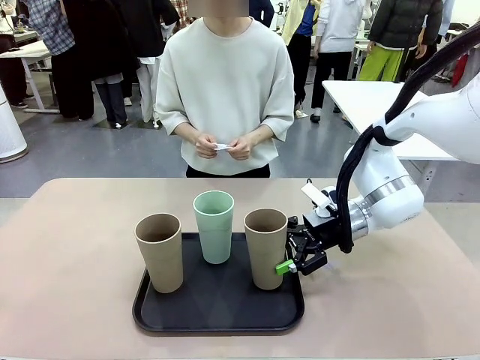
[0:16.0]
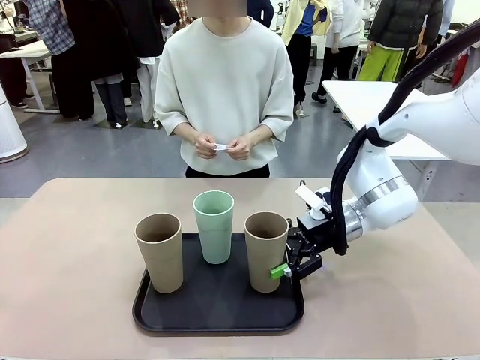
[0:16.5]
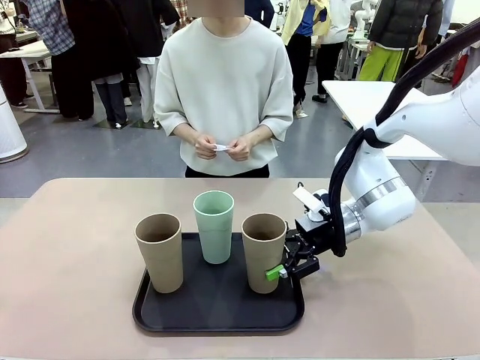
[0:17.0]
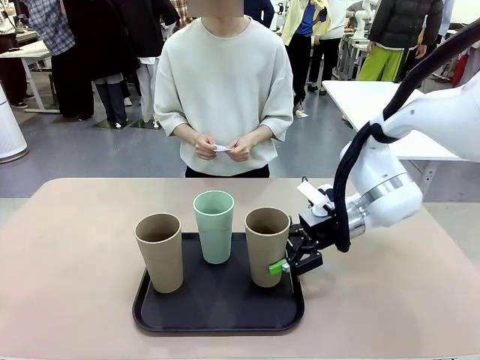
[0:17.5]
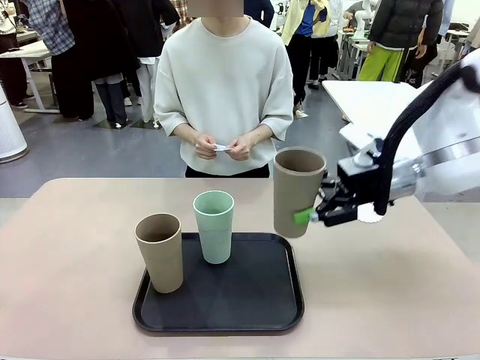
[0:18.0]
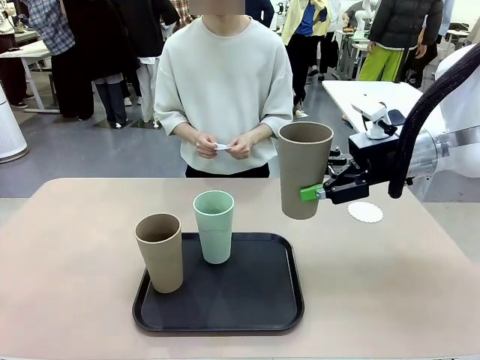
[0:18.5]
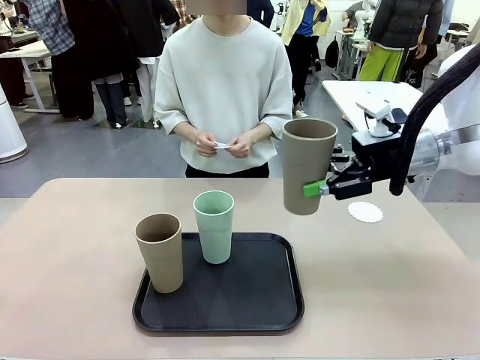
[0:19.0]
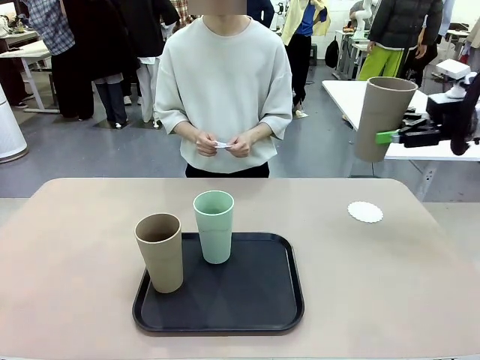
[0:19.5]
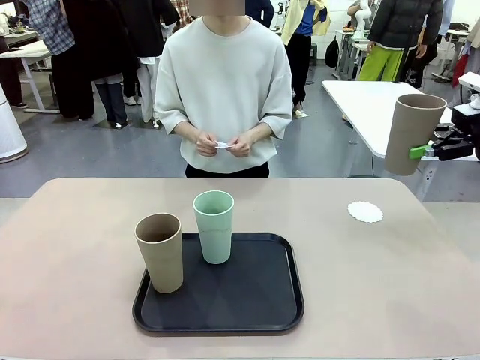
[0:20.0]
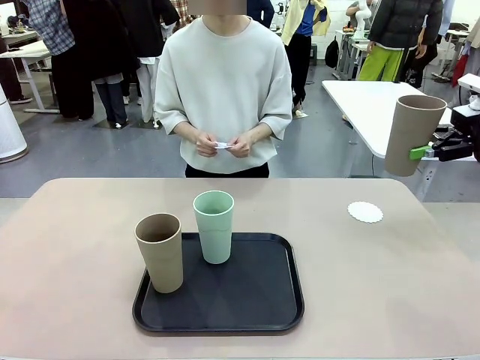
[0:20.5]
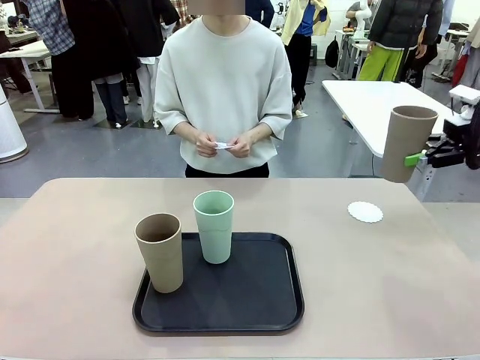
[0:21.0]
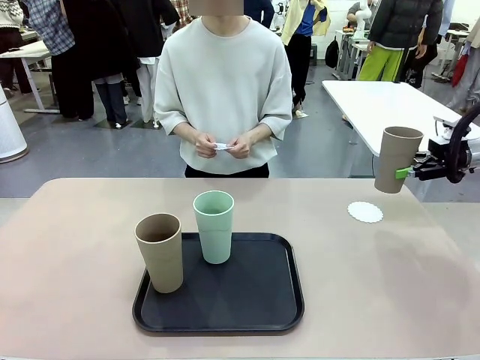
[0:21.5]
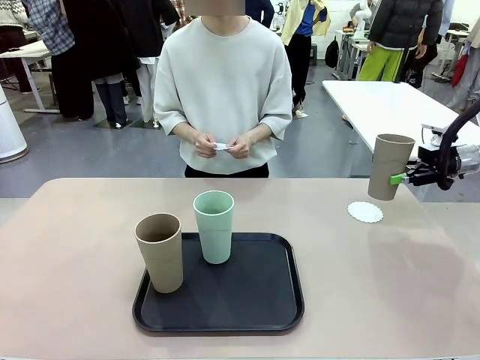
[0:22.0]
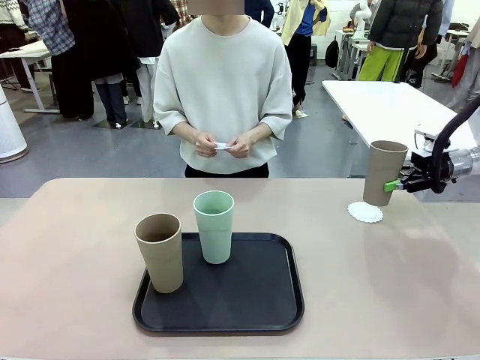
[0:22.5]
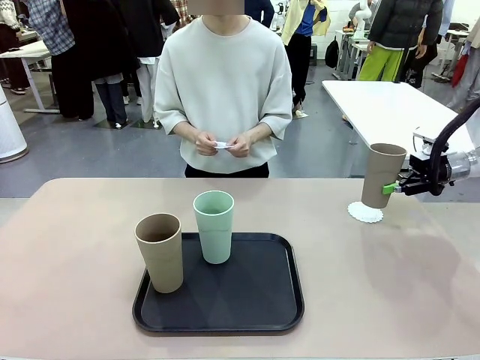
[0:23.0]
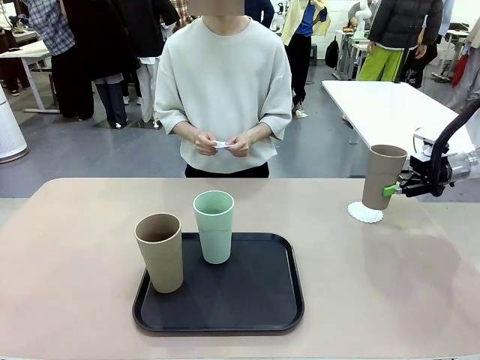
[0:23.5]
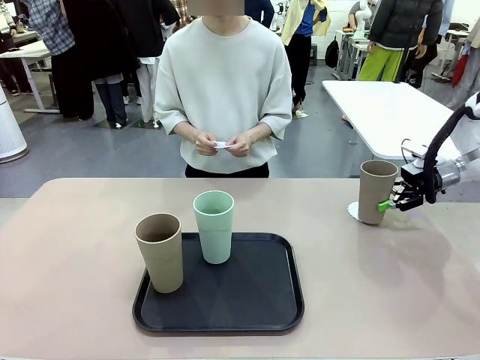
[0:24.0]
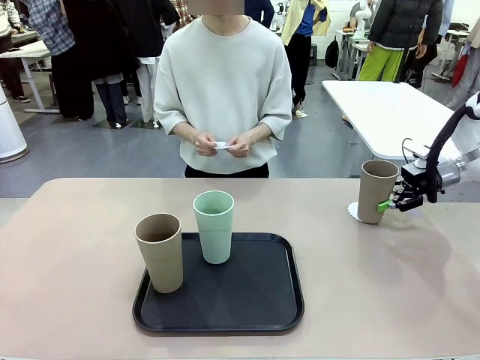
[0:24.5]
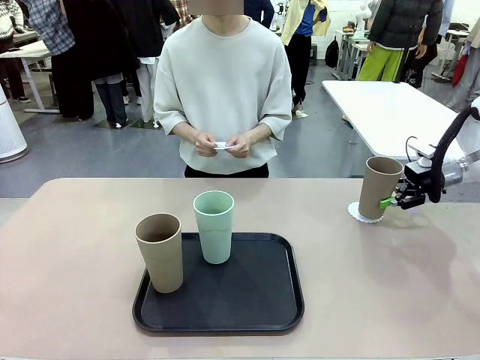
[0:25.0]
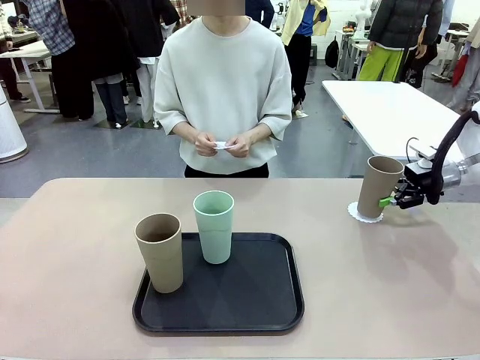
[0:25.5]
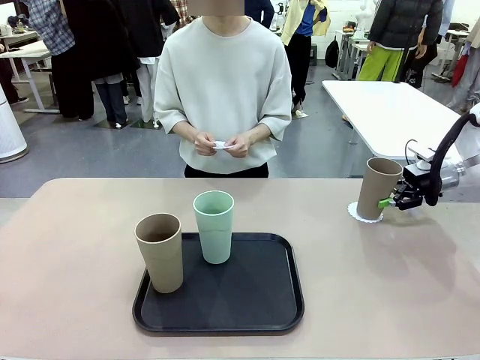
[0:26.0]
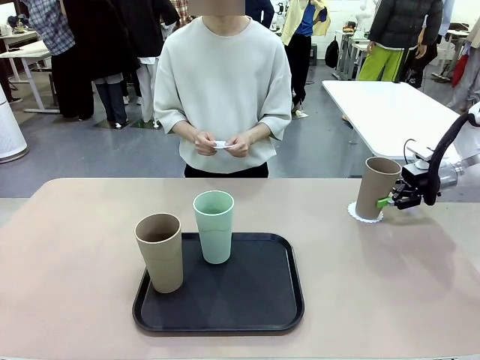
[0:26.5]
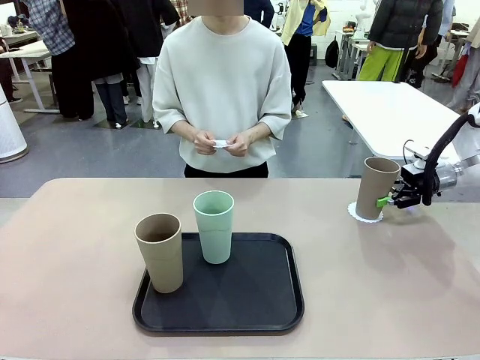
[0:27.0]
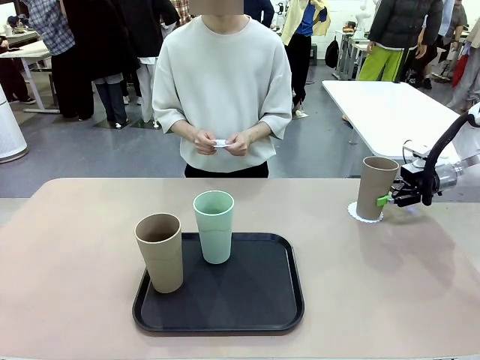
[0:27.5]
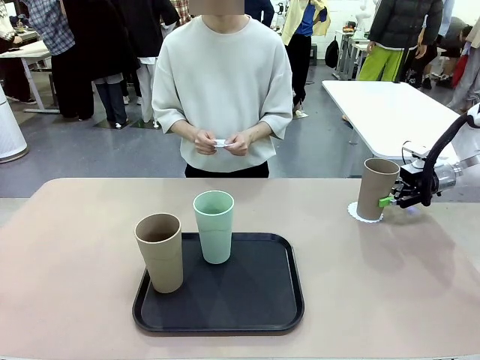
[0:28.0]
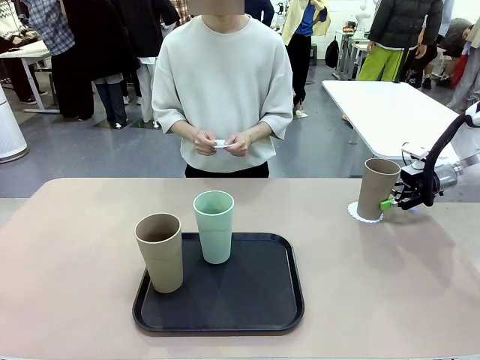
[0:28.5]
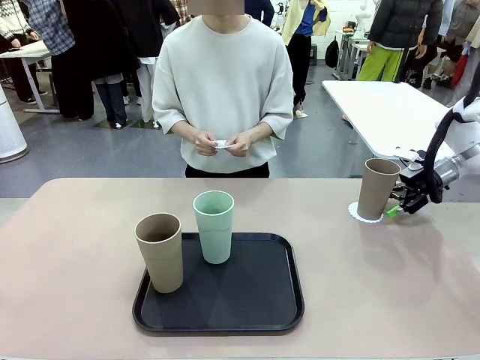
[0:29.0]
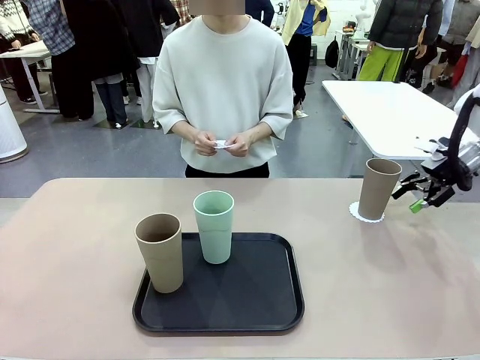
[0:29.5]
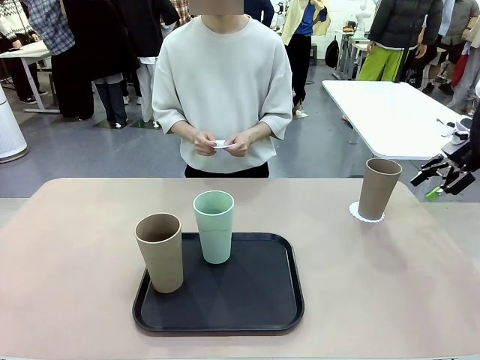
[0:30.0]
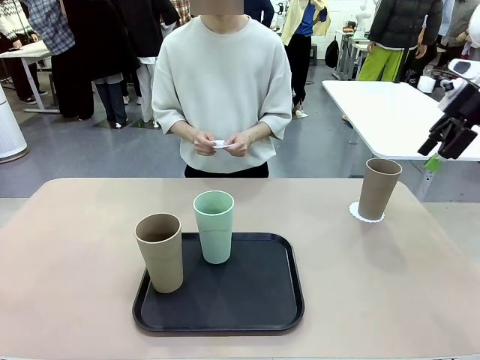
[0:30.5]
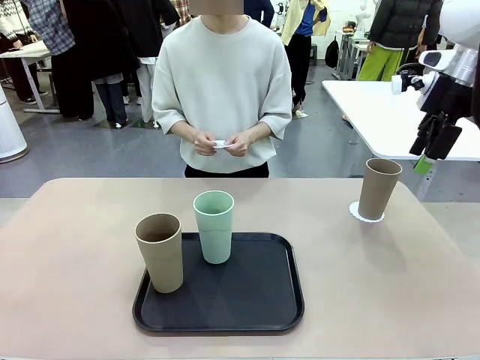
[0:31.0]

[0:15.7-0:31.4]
Task: Place coasters on the table and set cups on them.
Robot: Pick up one Reusable plastic cup and place it on a coaster set by the human.
Person: Place one coaster in one of the two areas excluding the previously selected area.
